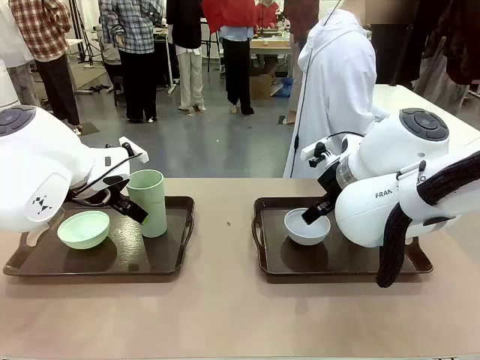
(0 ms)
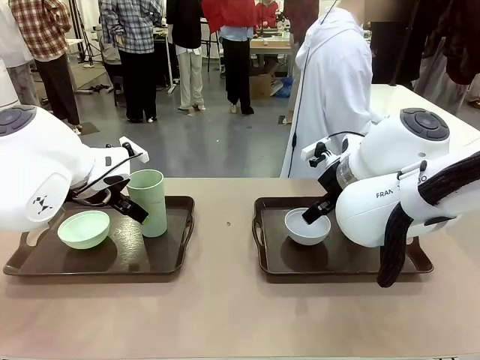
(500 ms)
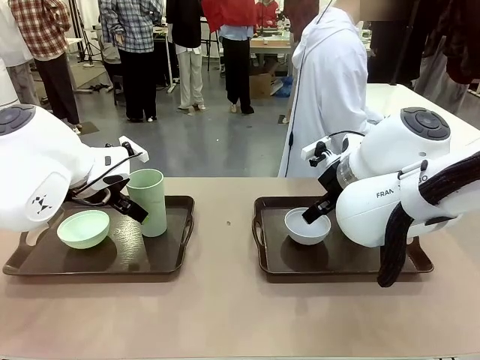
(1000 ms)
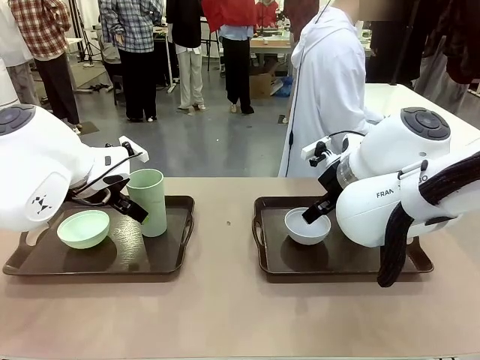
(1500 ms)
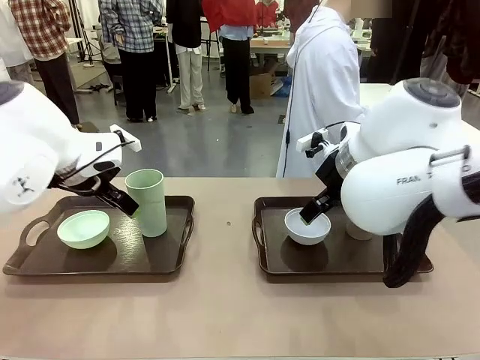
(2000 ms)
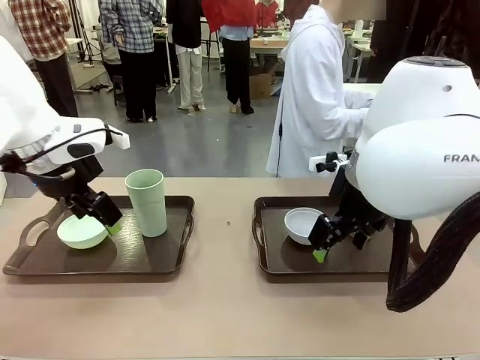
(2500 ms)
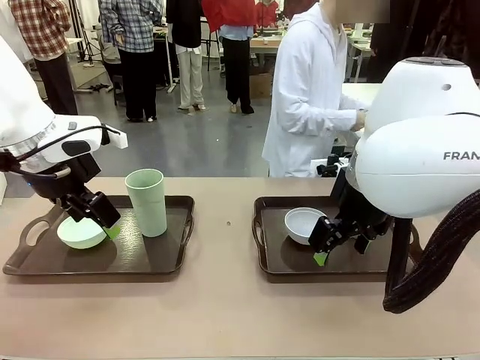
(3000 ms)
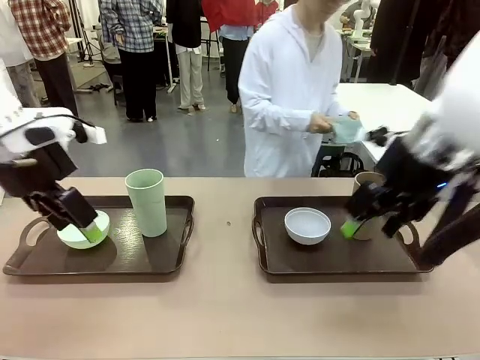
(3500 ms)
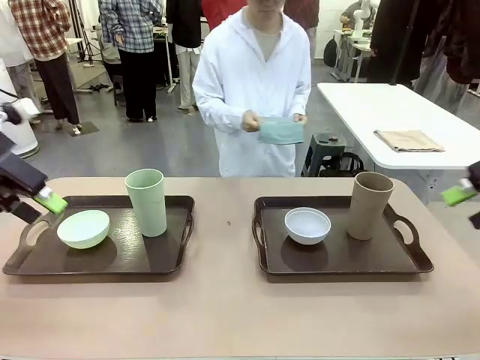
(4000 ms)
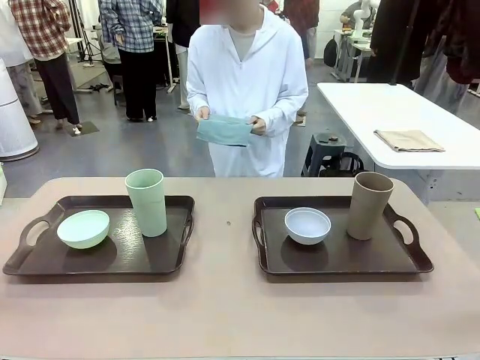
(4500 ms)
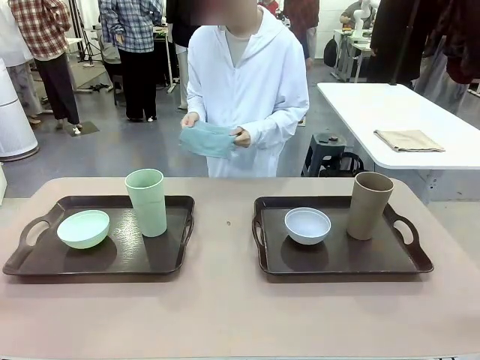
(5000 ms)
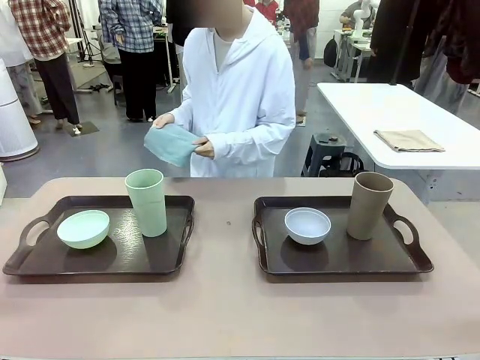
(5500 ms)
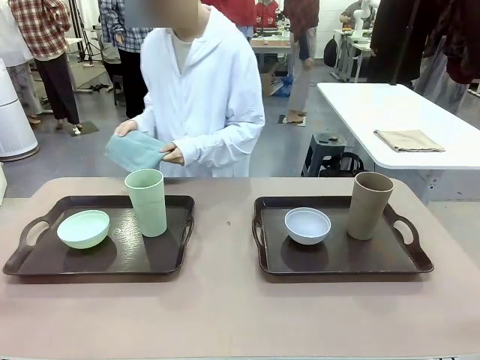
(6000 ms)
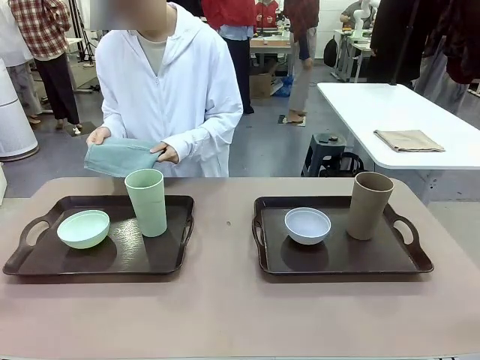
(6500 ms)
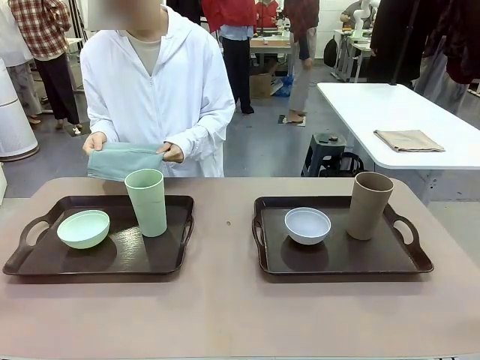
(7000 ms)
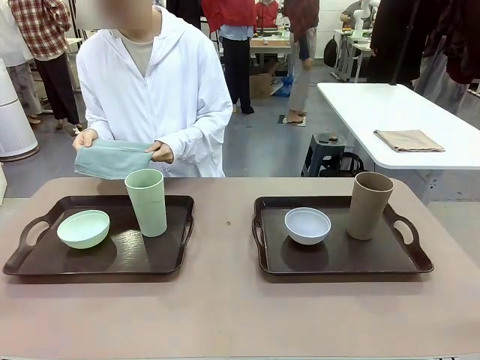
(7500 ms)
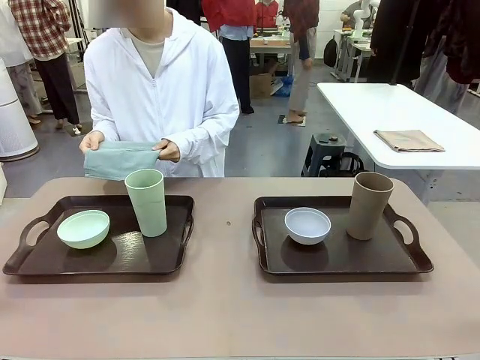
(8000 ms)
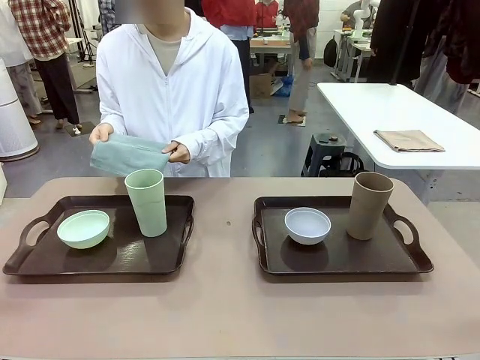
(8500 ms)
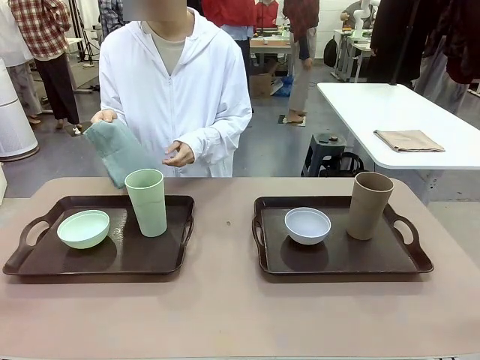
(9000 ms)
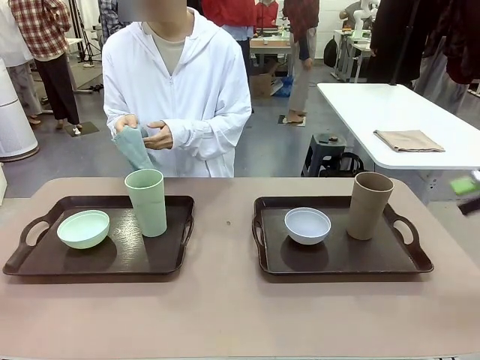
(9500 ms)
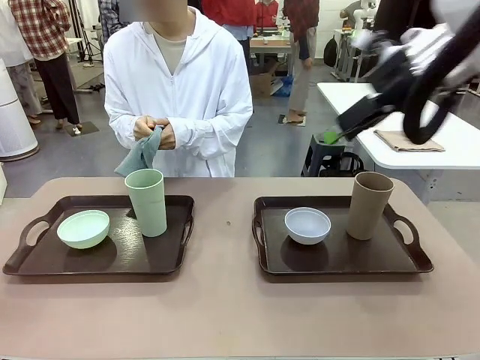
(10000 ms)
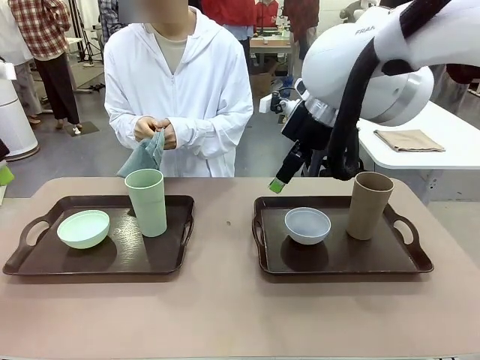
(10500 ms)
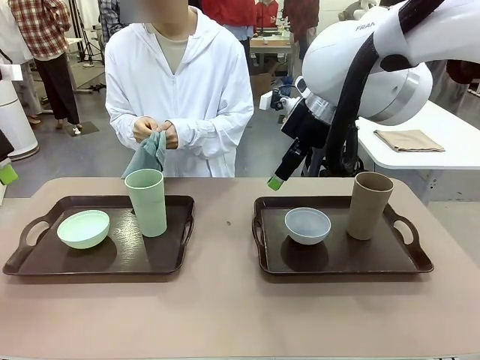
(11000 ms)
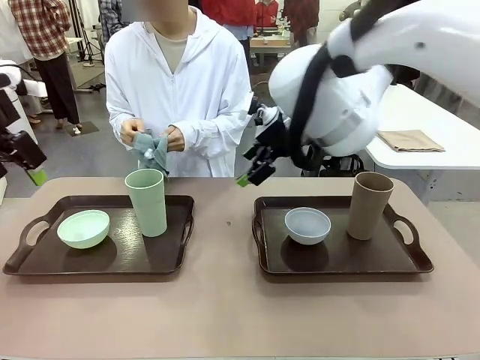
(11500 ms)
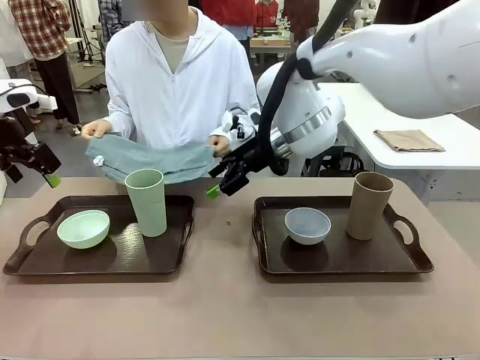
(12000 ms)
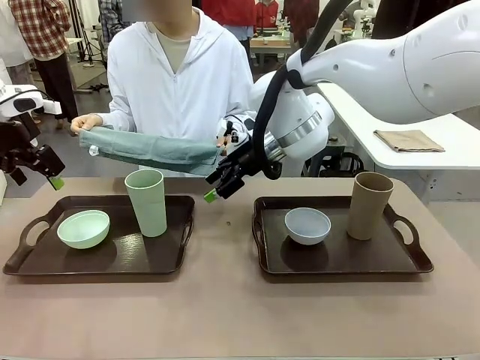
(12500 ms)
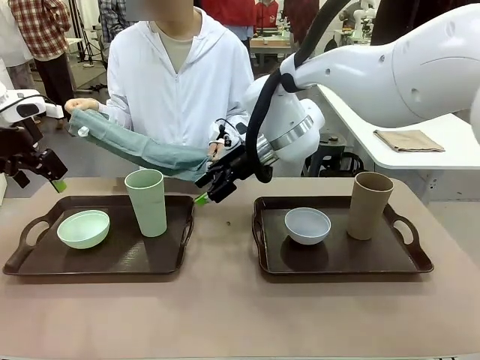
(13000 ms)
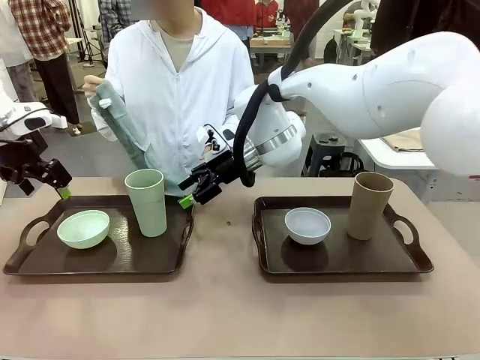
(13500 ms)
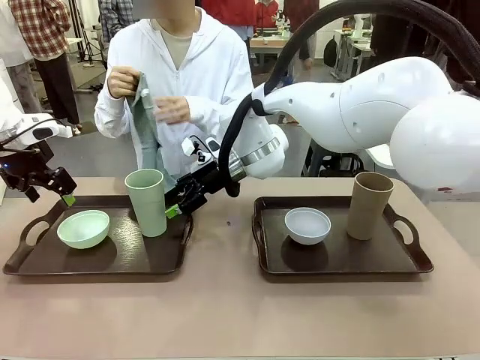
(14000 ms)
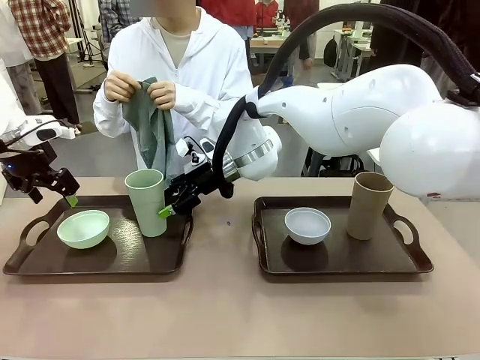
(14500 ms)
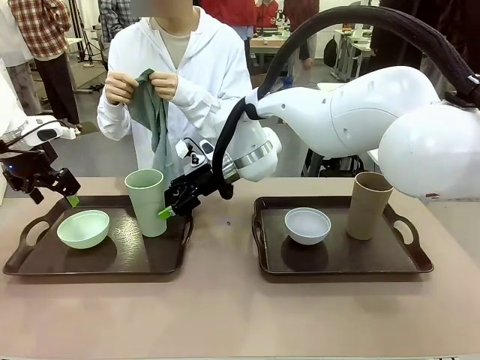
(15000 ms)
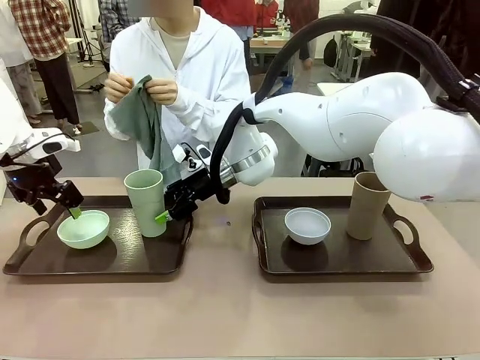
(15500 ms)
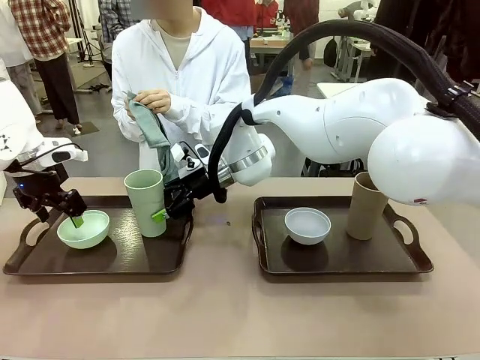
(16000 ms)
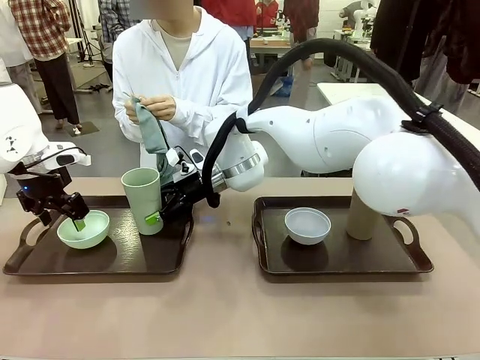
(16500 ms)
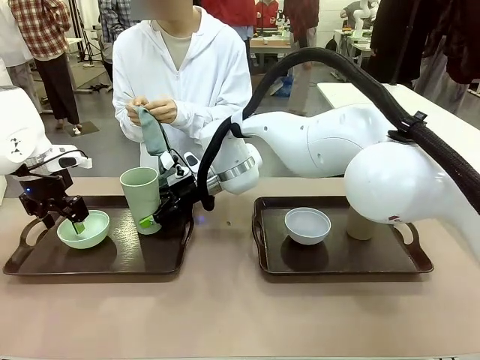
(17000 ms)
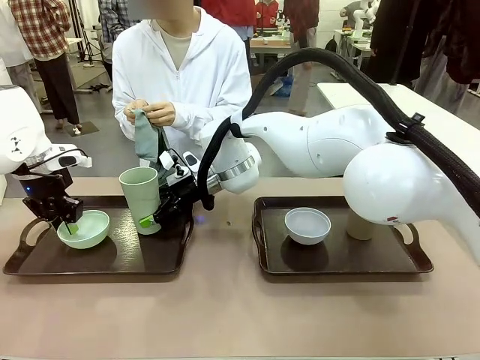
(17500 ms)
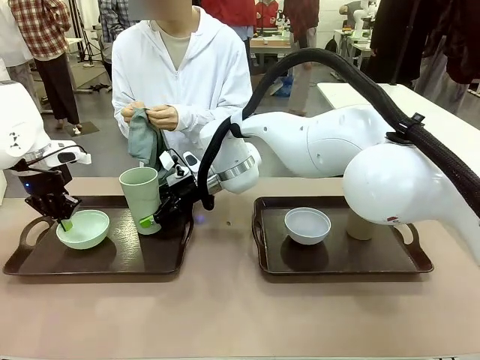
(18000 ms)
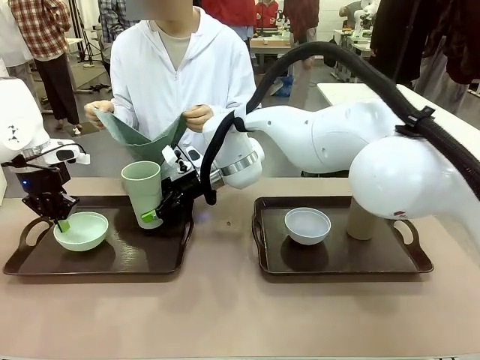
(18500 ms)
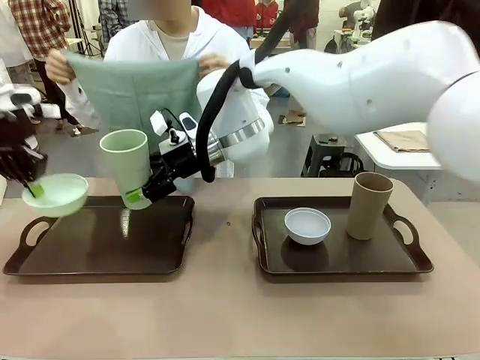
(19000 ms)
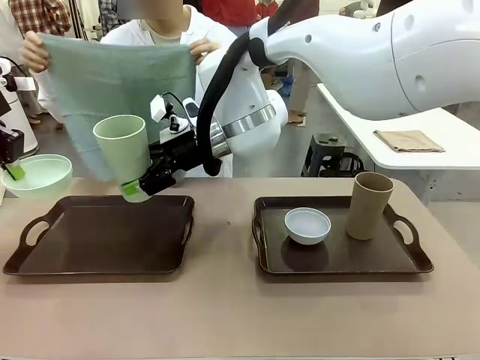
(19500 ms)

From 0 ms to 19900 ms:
Robot: Pick up the Picnic Bowl and Reusable plastic cup from the Handle tray in front of the human's position and hold them in the air.
Person: The human picks up the top napkin from the stack on the human table and walks to the robot table to stand in front of one of the two trays. When the robot lifts the bowl and the cup, the human unfolds the napkin and lays the napkin flat on the tray.

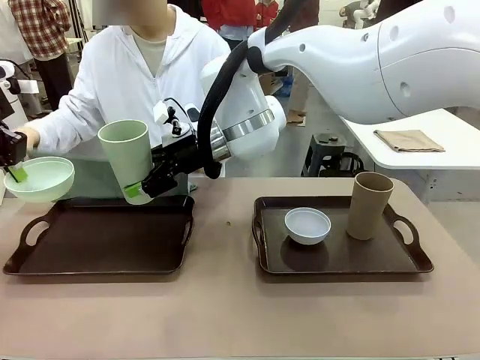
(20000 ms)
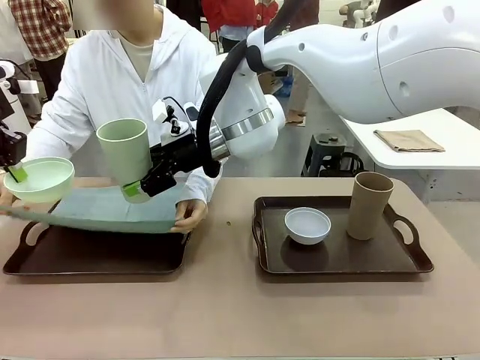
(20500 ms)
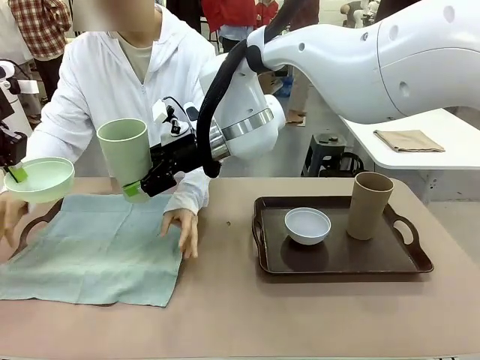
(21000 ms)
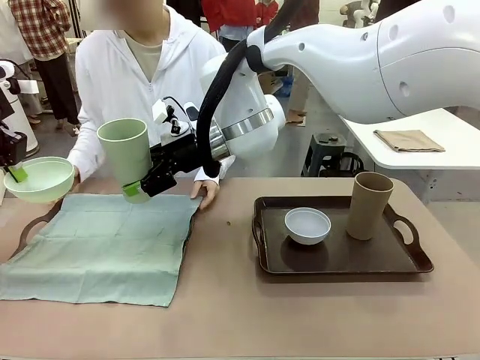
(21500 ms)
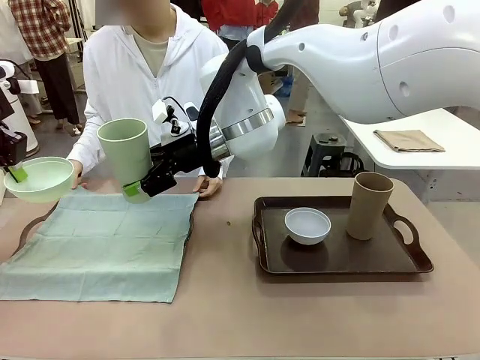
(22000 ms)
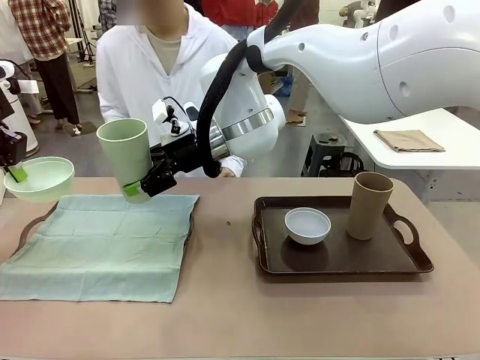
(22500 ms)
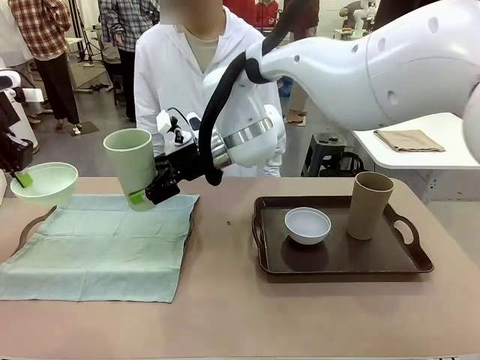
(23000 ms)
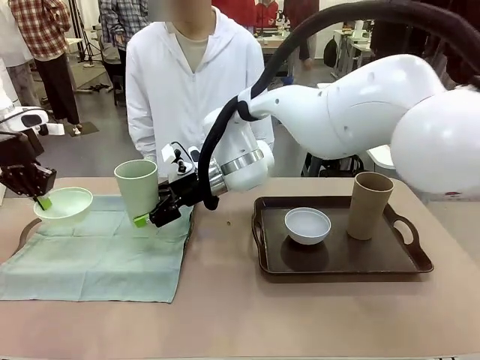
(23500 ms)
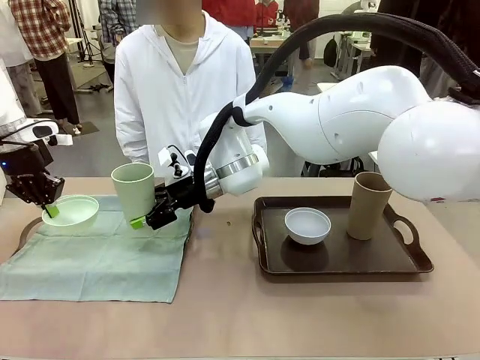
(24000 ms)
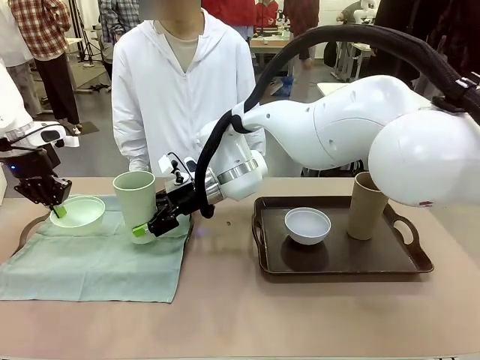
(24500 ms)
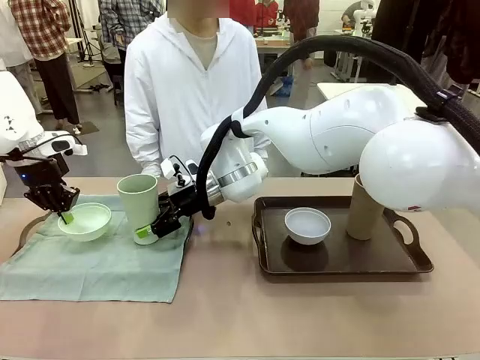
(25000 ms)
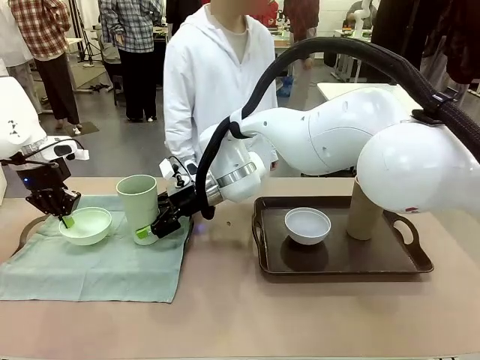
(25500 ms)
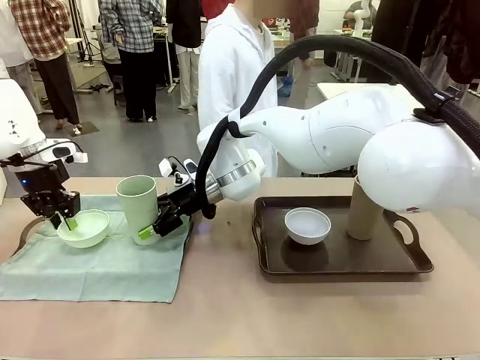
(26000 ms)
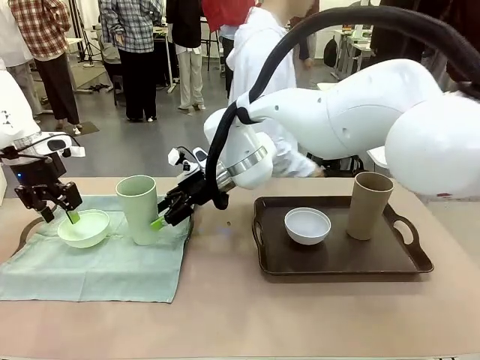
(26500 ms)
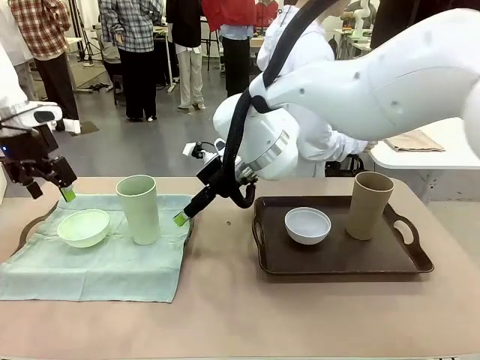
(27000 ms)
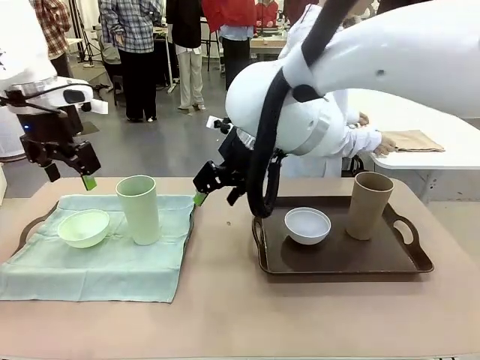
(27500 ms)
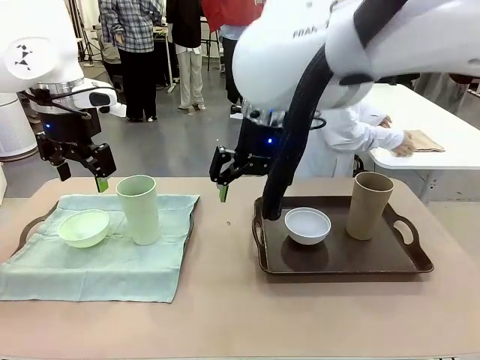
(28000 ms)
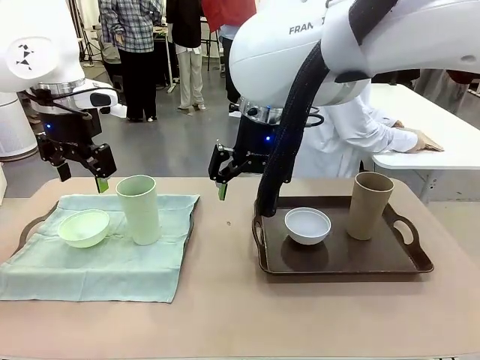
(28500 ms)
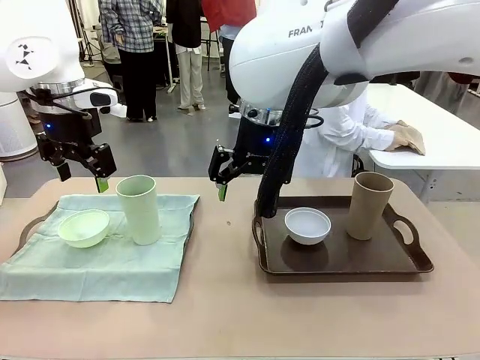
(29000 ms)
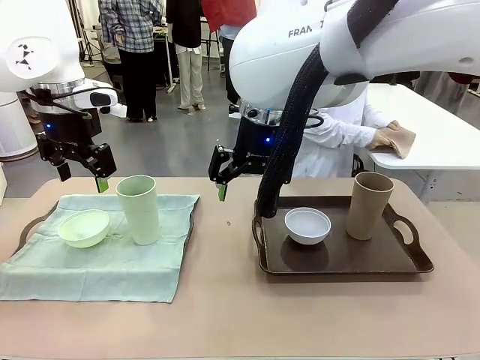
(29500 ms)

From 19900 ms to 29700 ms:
Robot: Place the Picnic Bowl and Reusable plastic cup back onto the Handle tray in front of the human's position.
Person: The human returns to the human table to pick up another napkin and walks to the robot table to stand in front of the tray without a napkin.
